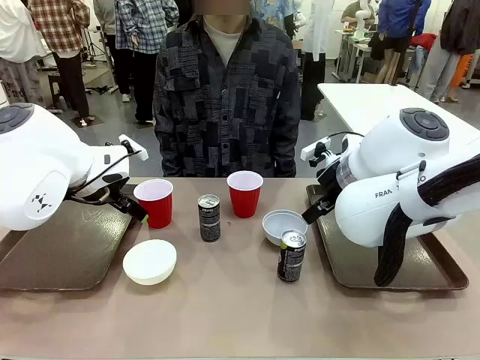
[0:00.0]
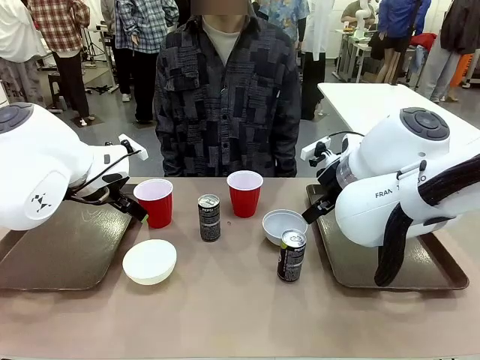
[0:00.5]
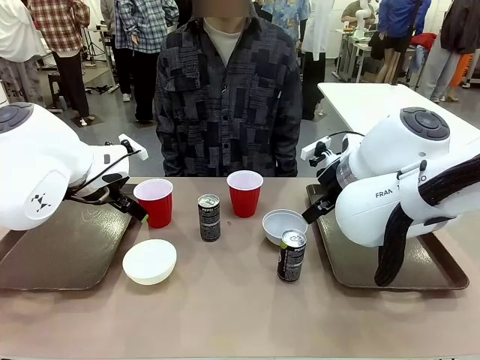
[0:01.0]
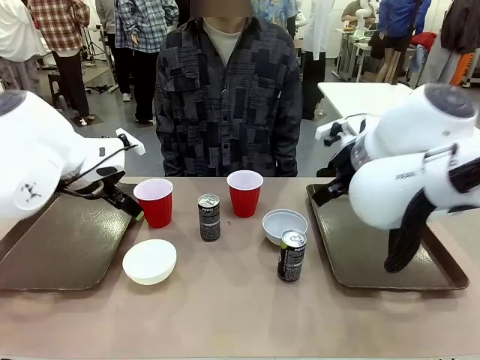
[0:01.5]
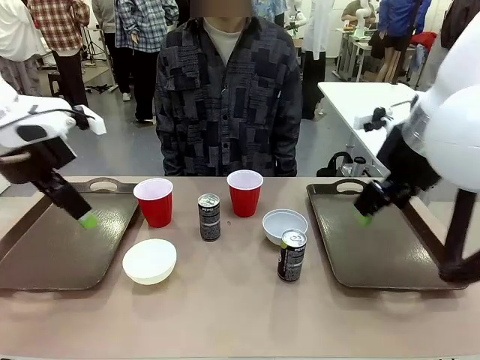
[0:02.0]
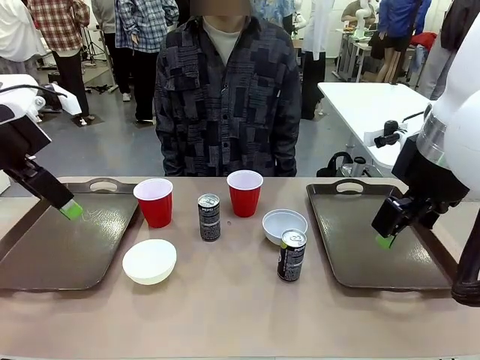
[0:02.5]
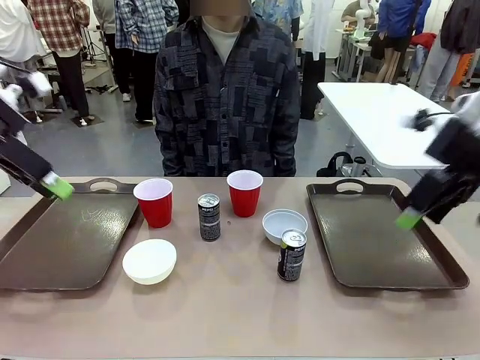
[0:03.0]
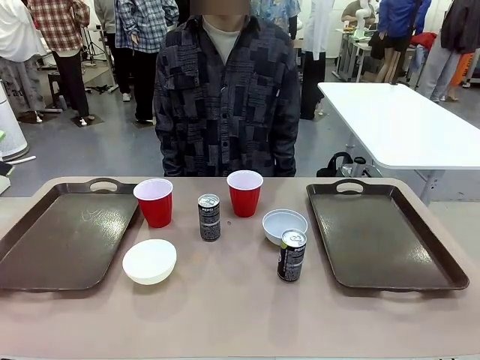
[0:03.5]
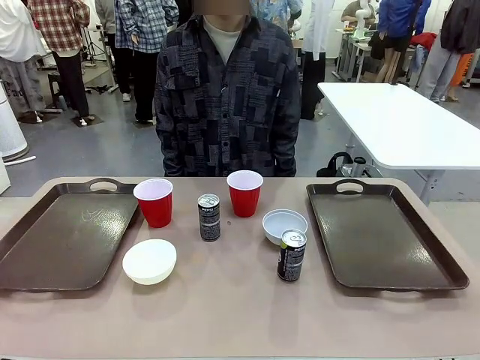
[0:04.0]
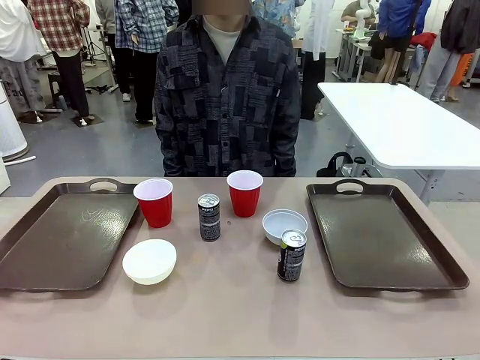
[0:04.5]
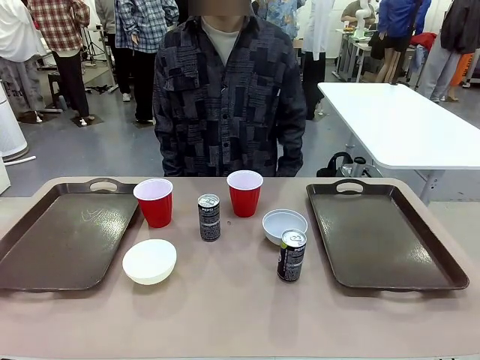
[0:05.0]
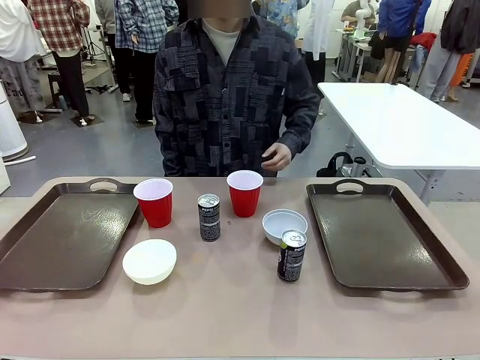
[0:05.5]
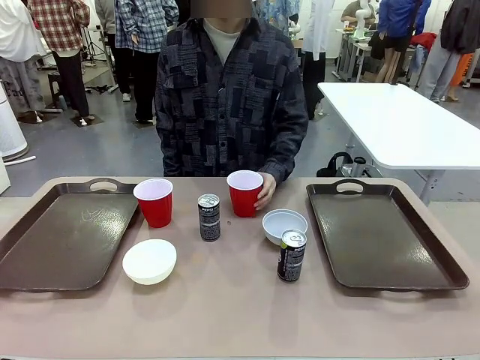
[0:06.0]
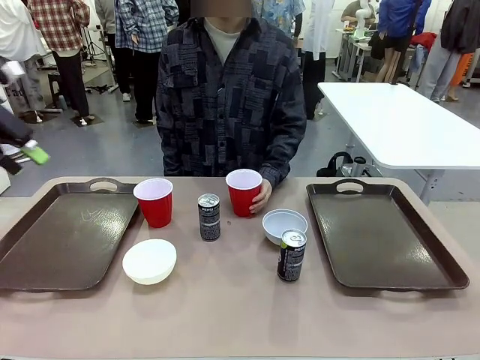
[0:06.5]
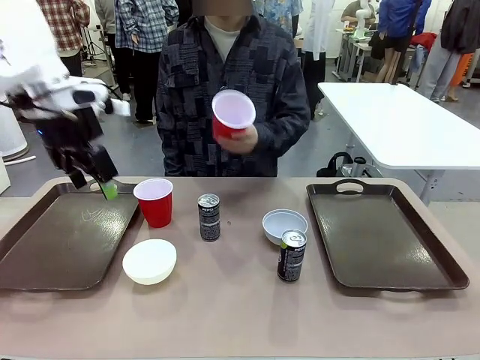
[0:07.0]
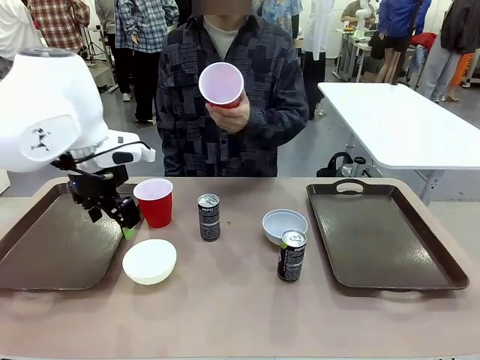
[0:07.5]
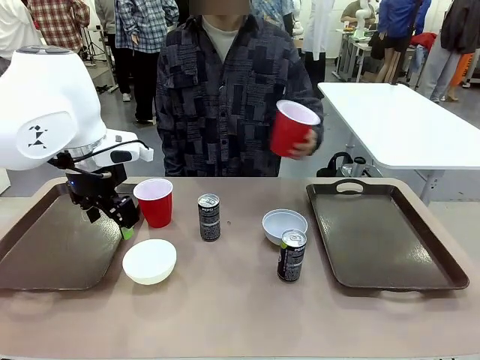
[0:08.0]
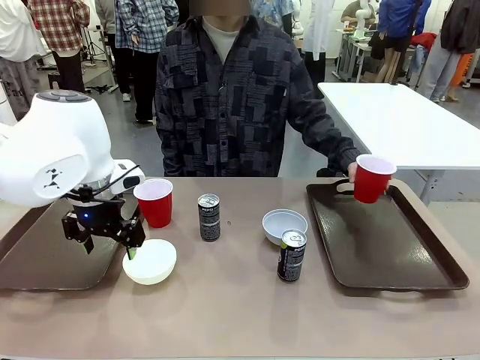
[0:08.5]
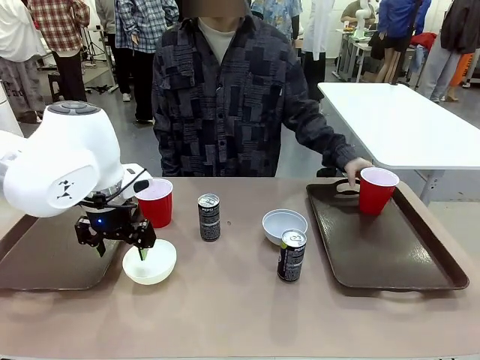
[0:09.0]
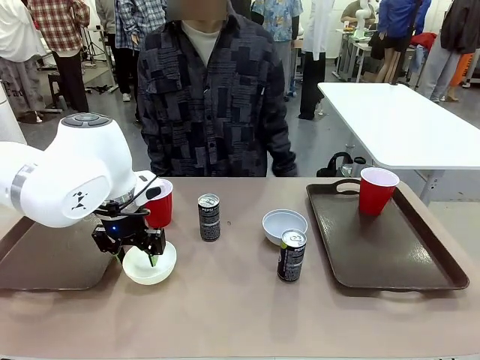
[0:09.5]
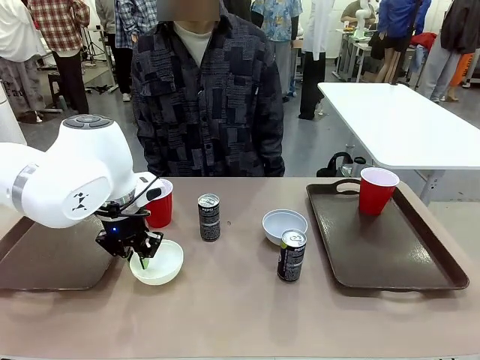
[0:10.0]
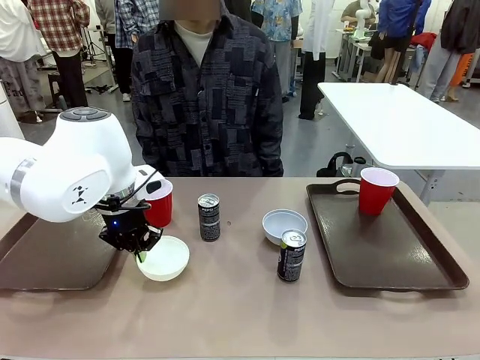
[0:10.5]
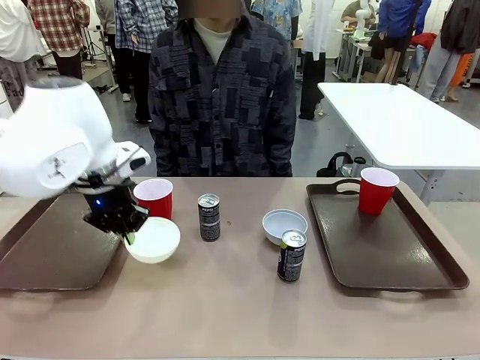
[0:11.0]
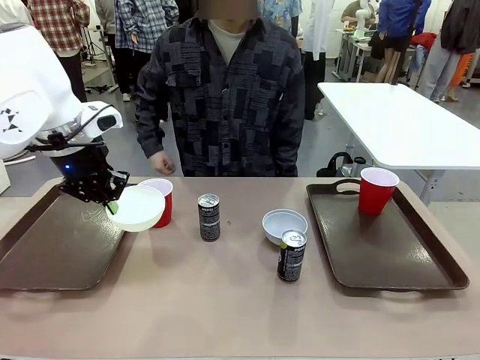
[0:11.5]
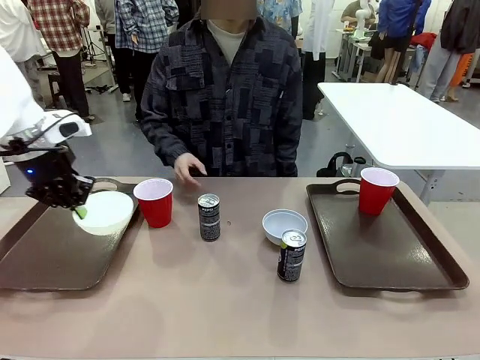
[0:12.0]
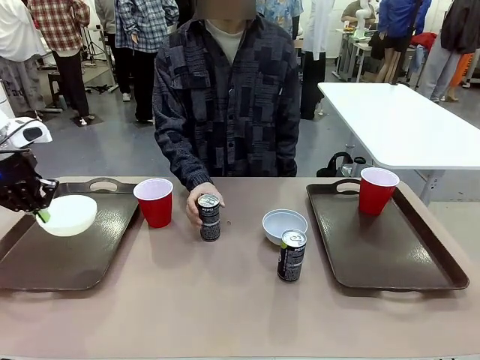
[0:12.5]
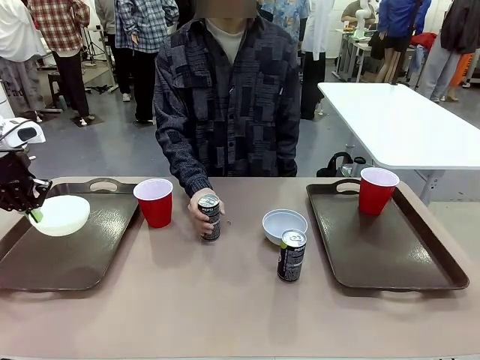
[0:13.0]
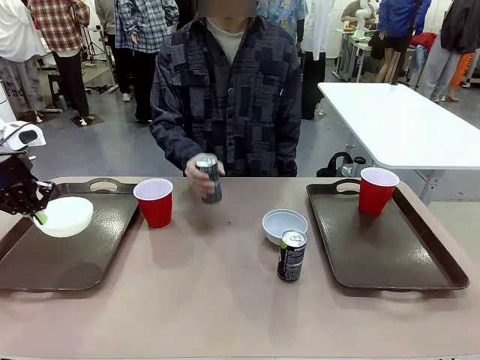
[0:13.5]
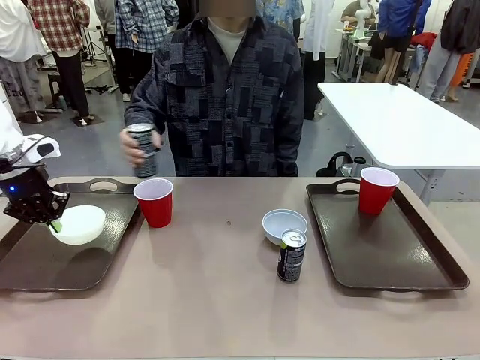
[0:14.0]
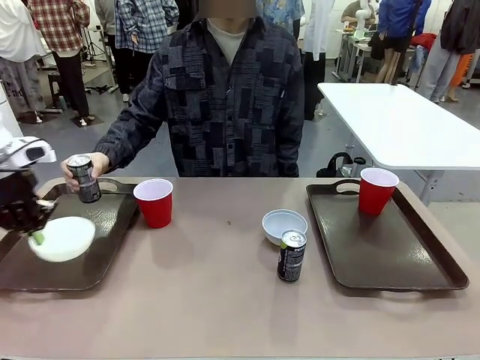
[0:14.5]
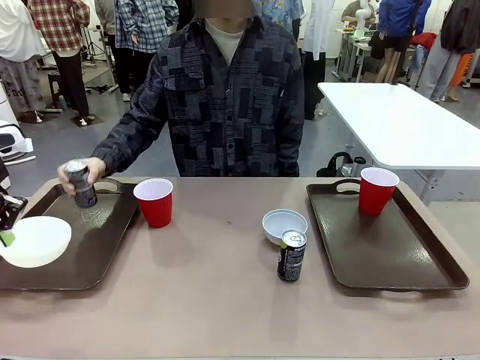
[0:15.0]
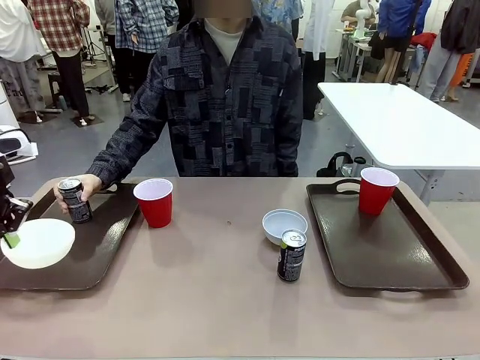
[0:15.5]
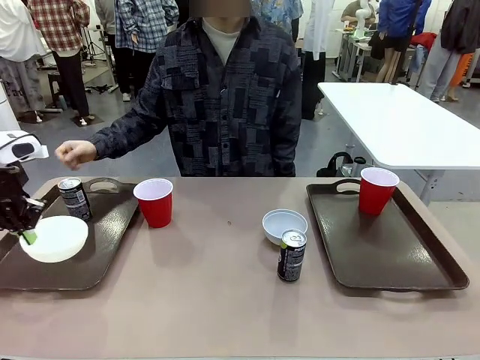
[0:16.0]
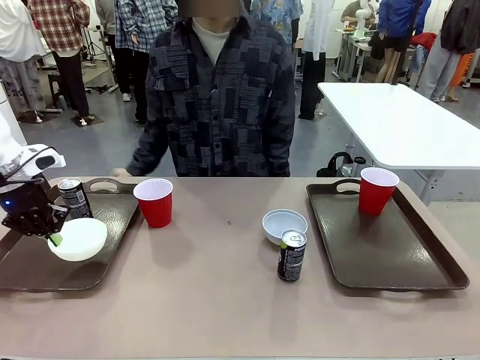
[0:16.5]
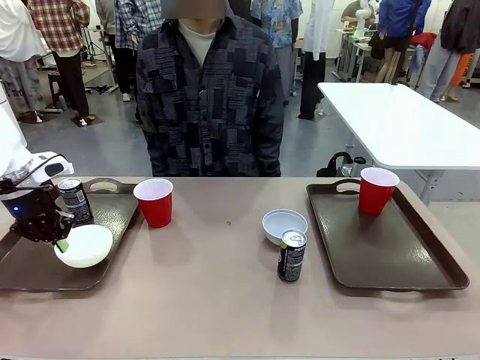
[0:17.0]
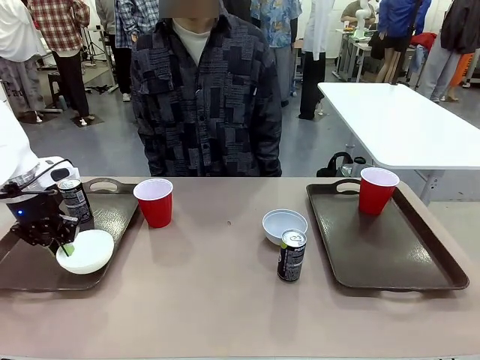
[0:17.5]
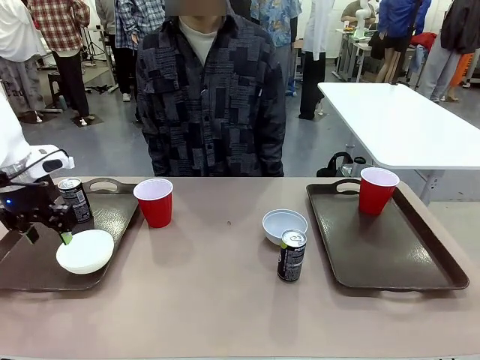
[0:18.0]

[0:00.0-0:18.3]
Task: Prepare tableware on both trays.
Robot: Pick up a Picnic Bowl from the table and place it on a Handle tray.
Person: Pick up a can or cup and place it on the tray.

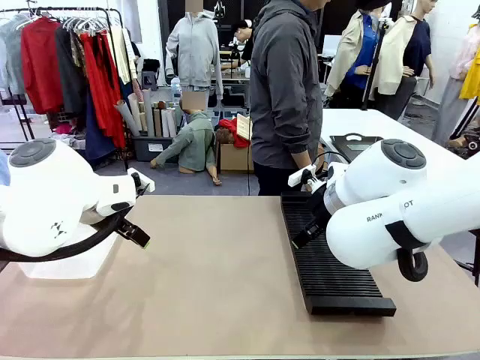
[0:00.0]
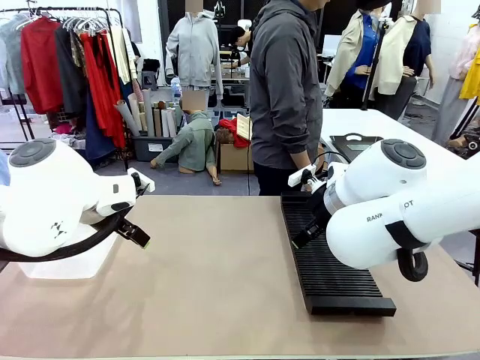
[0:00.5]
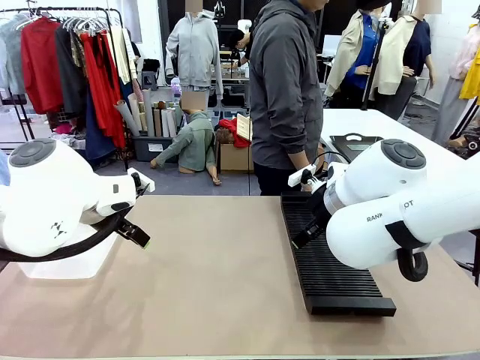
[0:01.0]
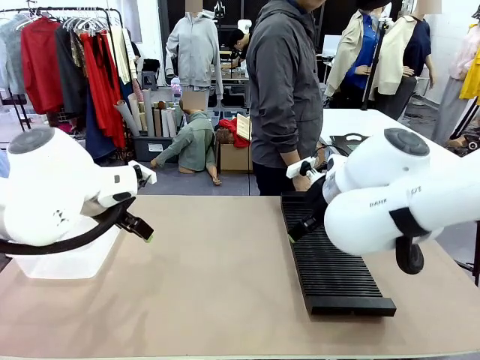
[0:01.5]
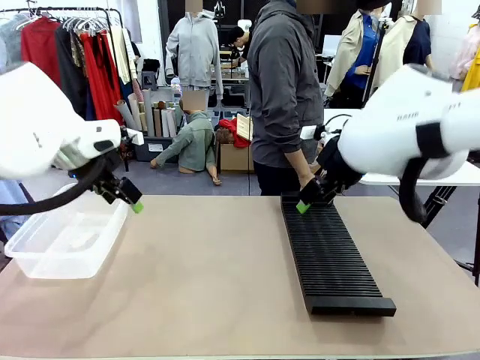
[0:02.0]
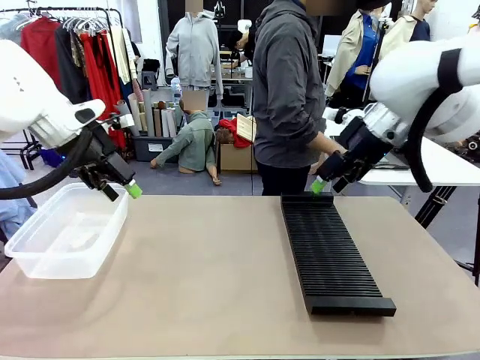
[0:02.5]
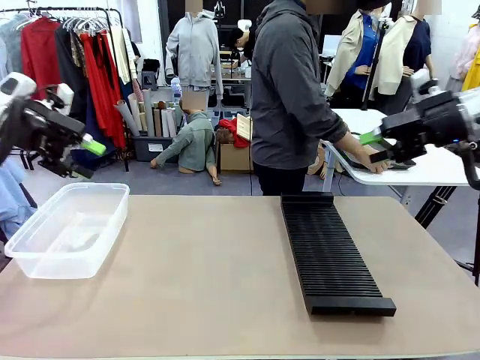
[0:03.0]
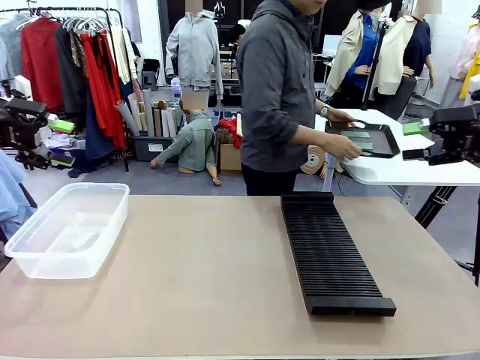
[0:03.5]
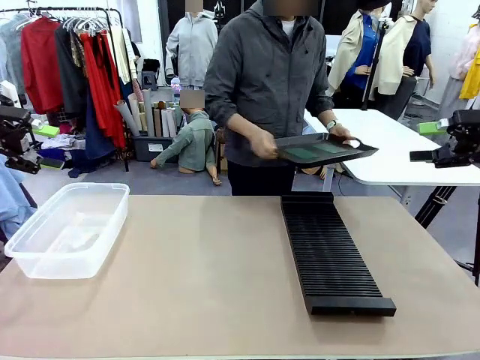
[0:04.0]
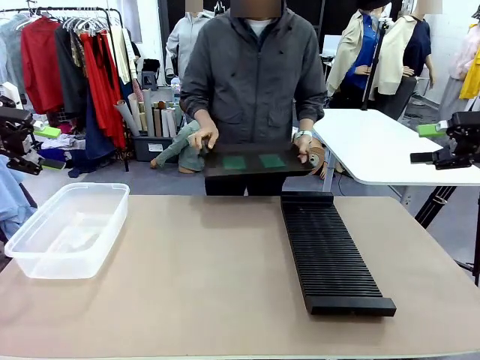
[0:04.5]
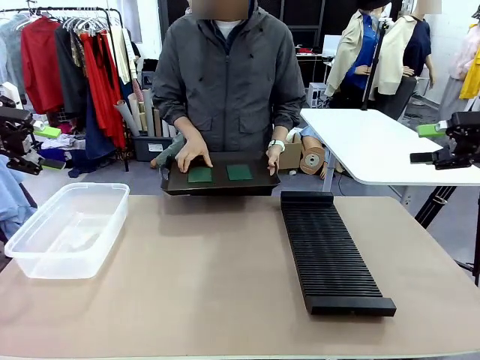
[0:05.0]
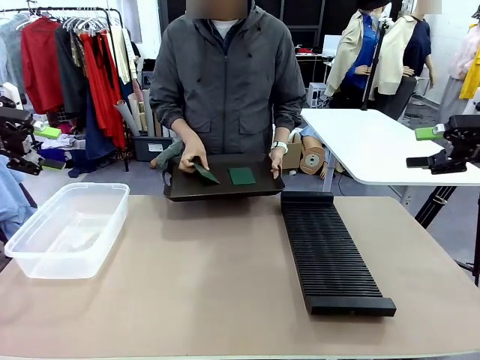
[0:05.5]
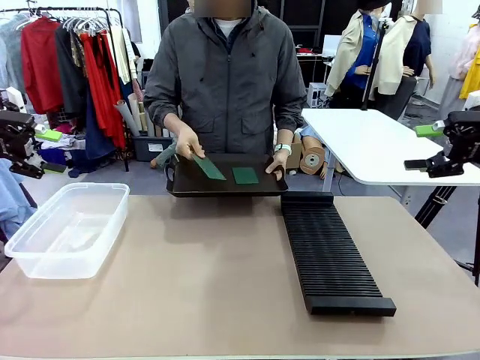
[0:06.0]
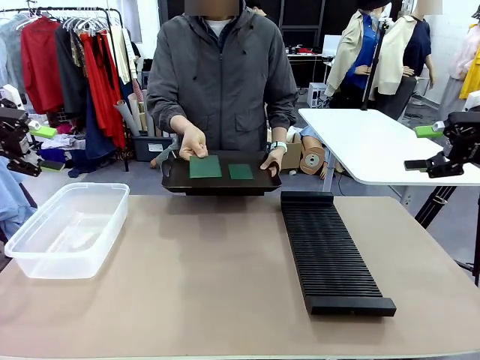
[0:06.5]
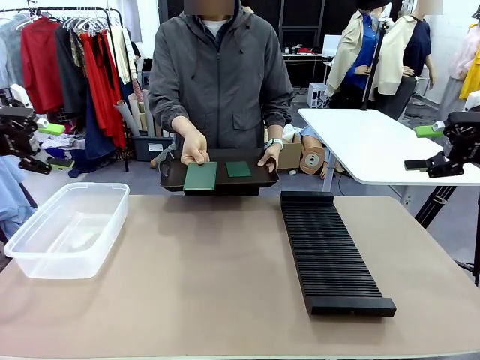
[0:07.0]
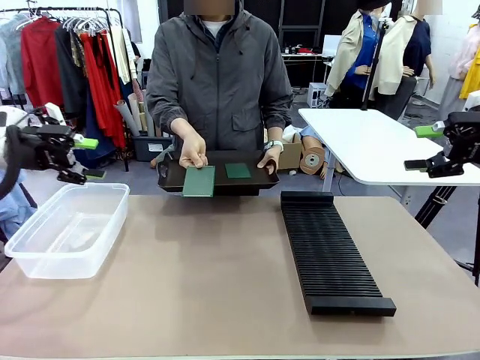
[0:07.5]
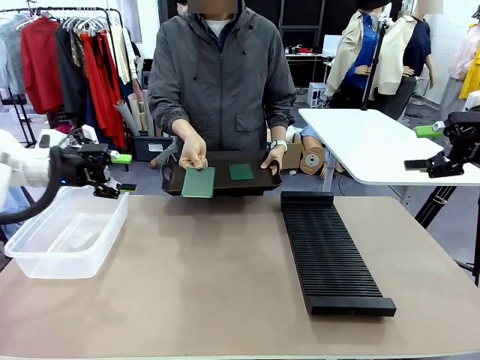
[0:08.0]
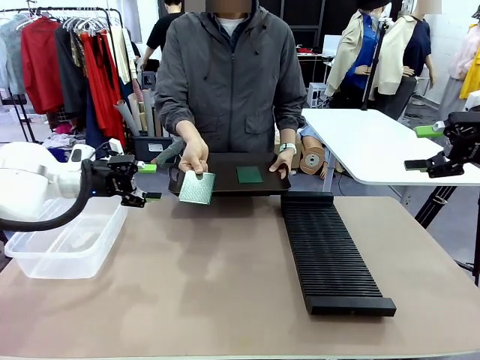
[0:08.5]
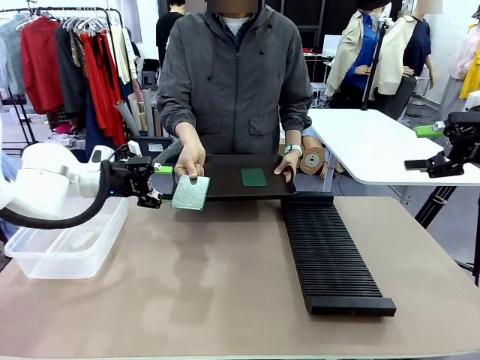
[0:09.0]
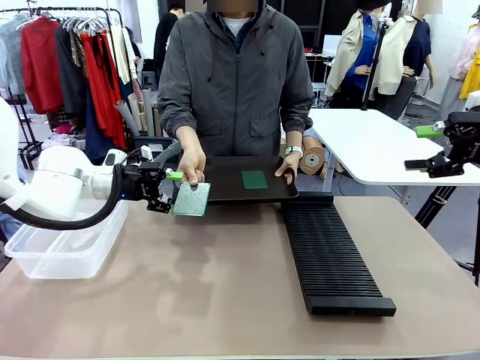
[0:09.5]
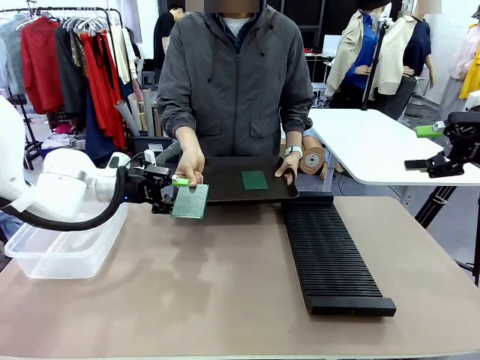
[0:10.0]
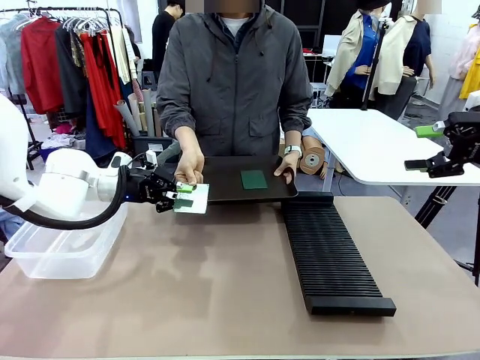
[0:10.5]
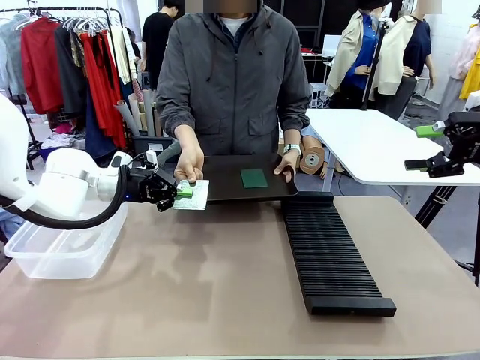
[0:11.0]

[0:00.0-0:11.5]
Task: Sort PCBs into racks and boxes based on the side picked up.
Robot: Pick up the Blank PCB handed by the Human.
Person: Pick one PCB from the tray and present it to the robot. Release the PCB being held.
